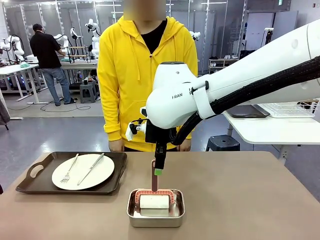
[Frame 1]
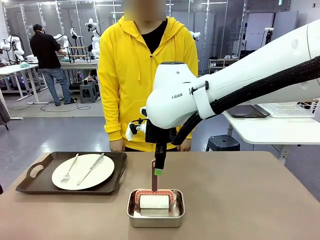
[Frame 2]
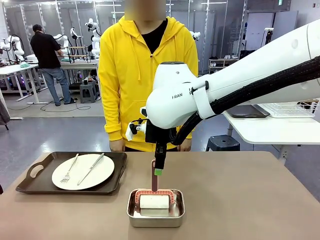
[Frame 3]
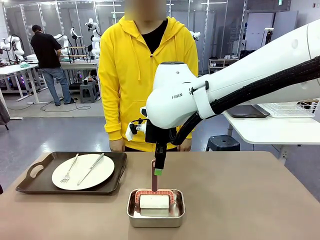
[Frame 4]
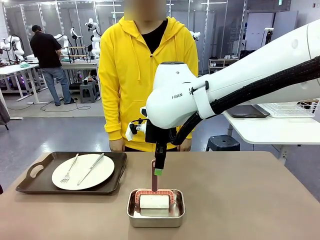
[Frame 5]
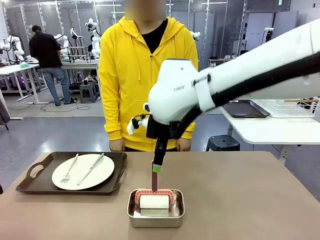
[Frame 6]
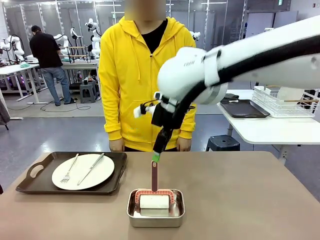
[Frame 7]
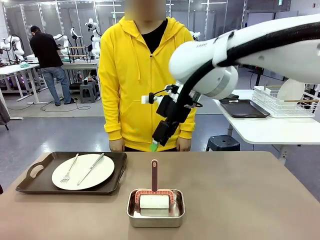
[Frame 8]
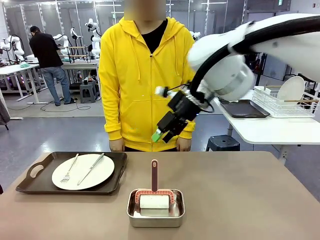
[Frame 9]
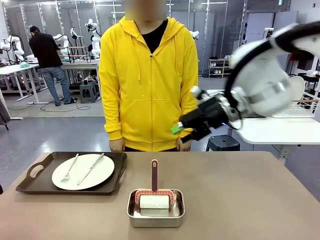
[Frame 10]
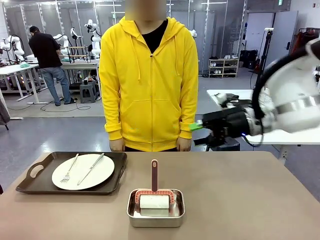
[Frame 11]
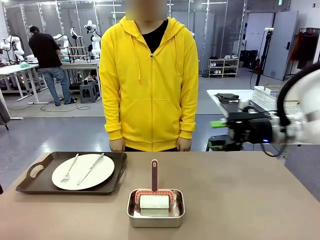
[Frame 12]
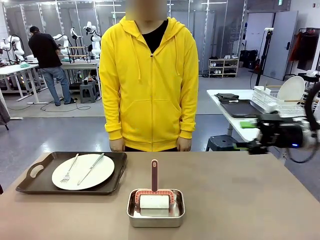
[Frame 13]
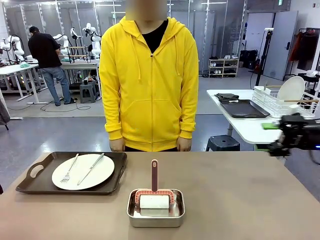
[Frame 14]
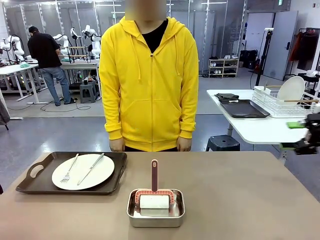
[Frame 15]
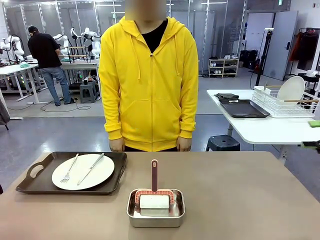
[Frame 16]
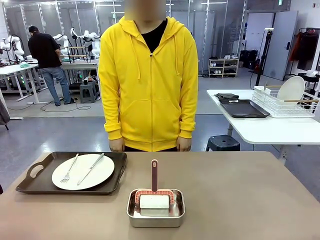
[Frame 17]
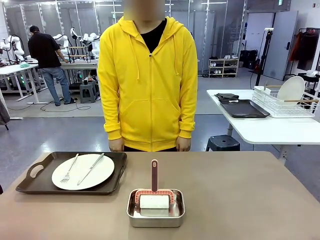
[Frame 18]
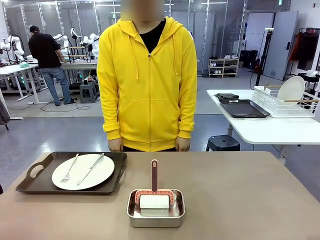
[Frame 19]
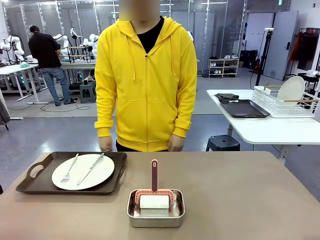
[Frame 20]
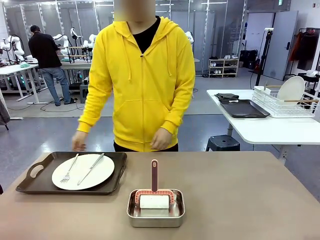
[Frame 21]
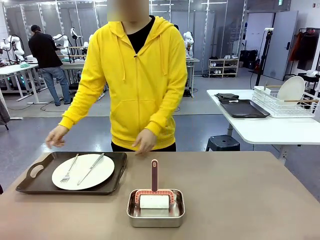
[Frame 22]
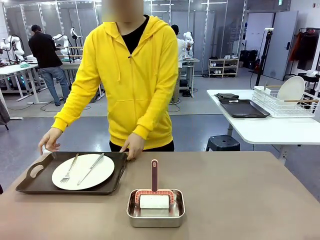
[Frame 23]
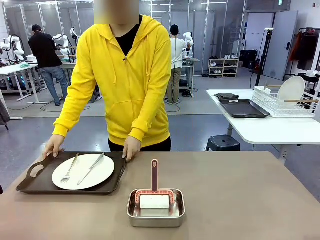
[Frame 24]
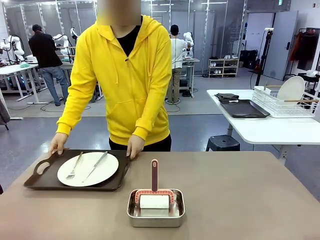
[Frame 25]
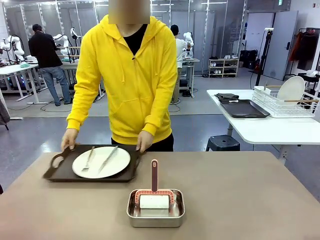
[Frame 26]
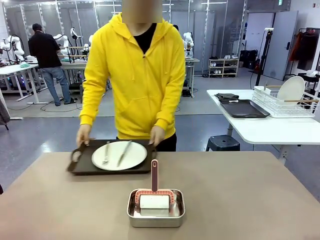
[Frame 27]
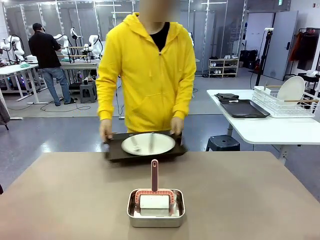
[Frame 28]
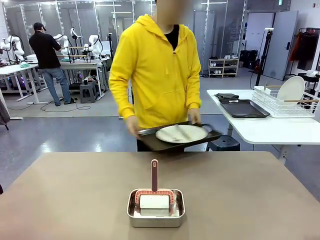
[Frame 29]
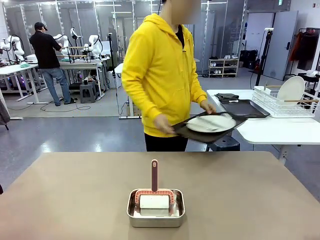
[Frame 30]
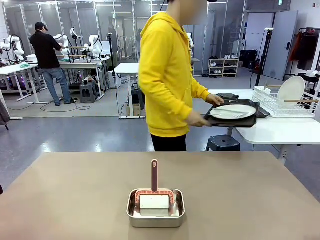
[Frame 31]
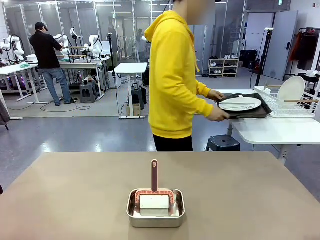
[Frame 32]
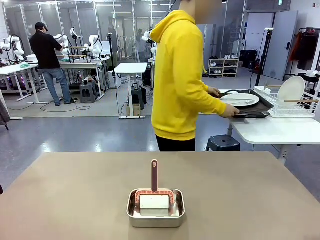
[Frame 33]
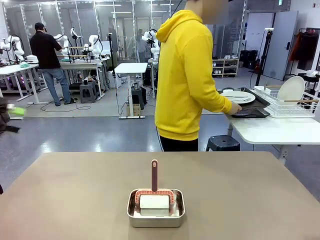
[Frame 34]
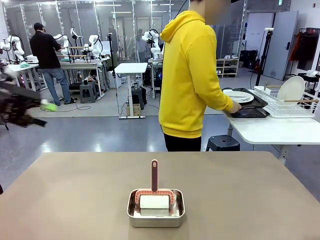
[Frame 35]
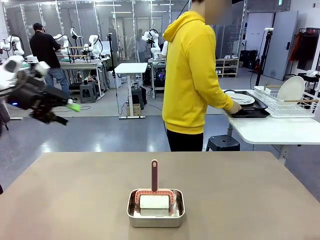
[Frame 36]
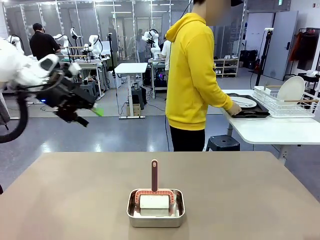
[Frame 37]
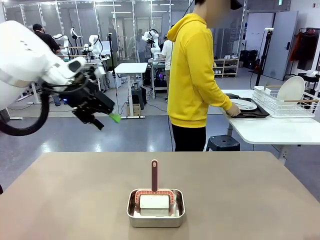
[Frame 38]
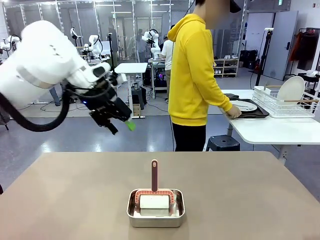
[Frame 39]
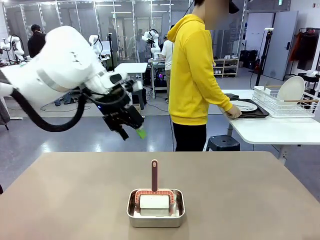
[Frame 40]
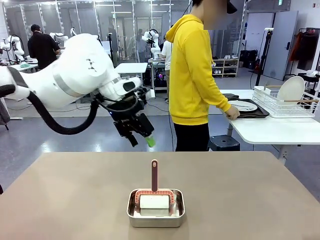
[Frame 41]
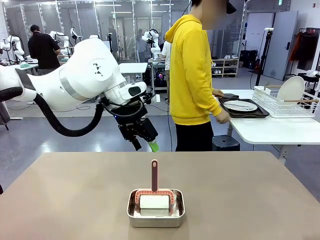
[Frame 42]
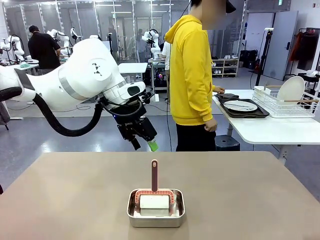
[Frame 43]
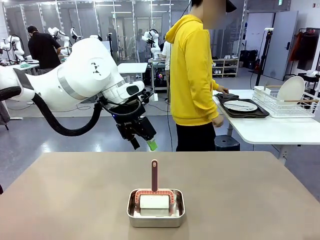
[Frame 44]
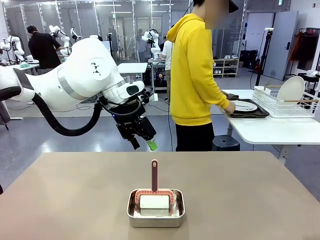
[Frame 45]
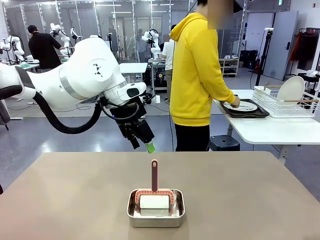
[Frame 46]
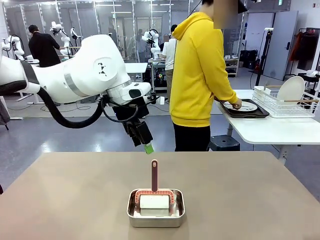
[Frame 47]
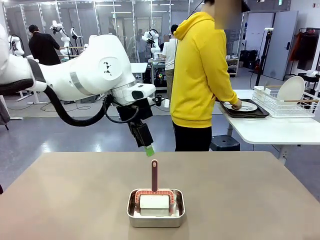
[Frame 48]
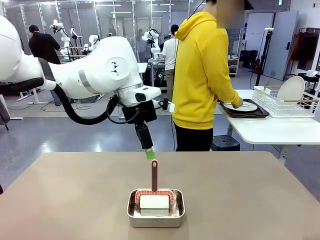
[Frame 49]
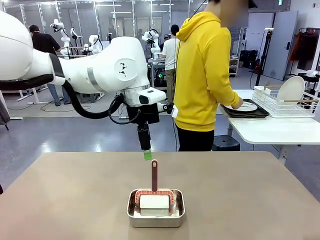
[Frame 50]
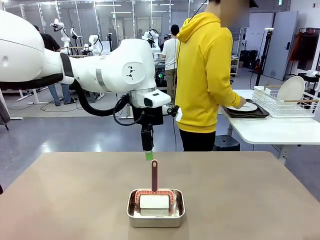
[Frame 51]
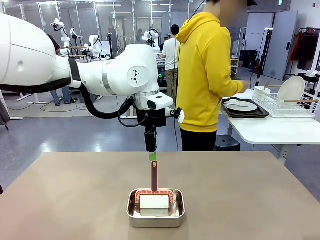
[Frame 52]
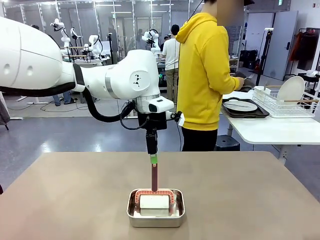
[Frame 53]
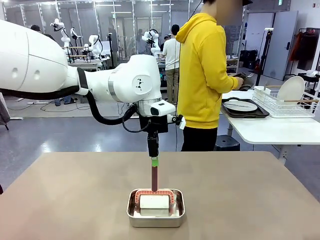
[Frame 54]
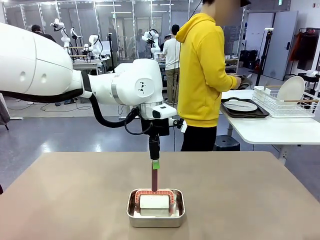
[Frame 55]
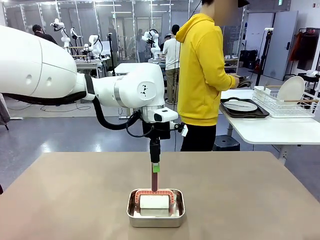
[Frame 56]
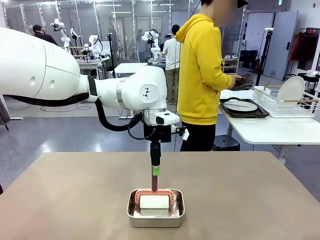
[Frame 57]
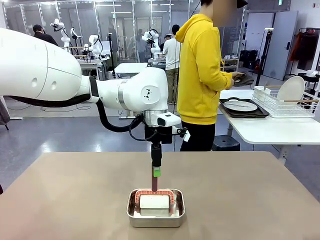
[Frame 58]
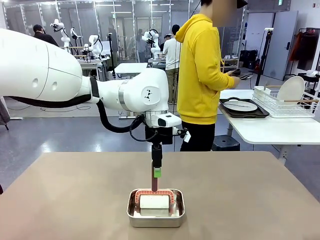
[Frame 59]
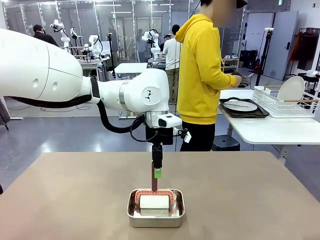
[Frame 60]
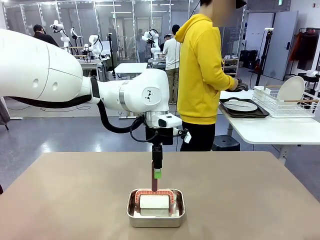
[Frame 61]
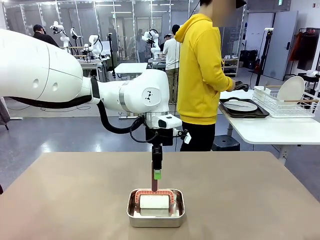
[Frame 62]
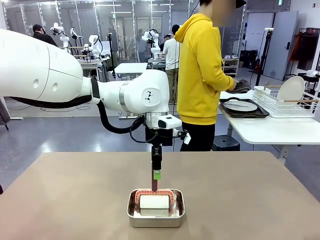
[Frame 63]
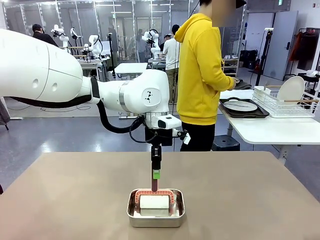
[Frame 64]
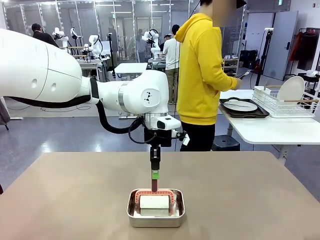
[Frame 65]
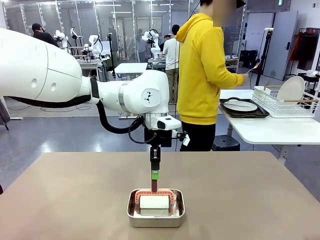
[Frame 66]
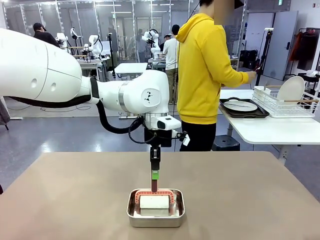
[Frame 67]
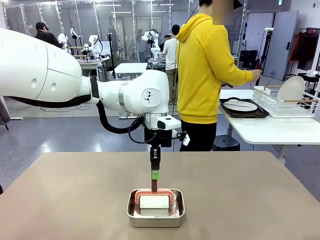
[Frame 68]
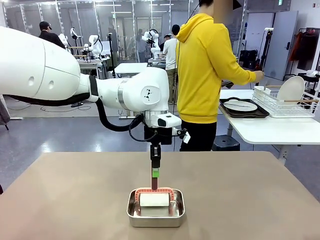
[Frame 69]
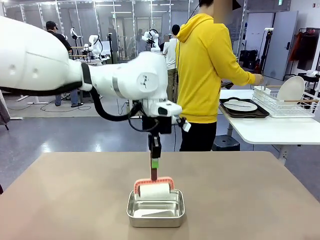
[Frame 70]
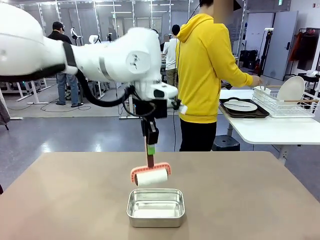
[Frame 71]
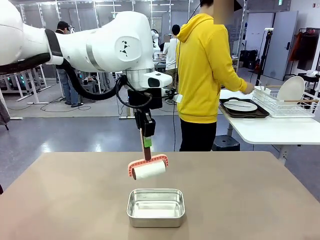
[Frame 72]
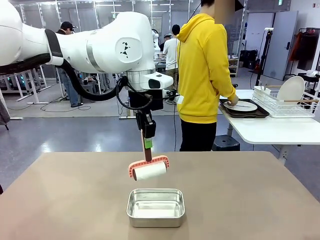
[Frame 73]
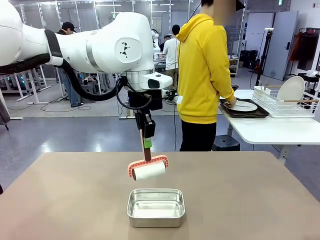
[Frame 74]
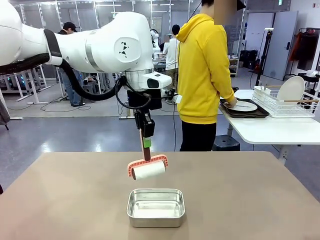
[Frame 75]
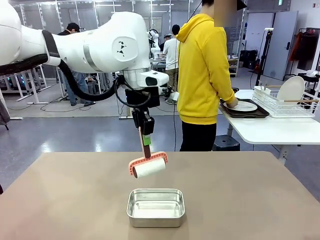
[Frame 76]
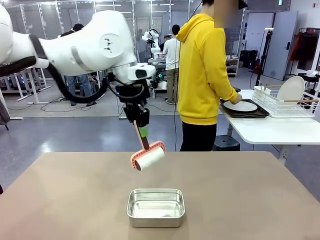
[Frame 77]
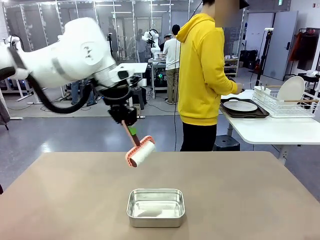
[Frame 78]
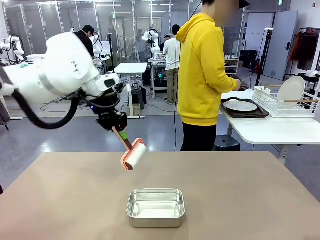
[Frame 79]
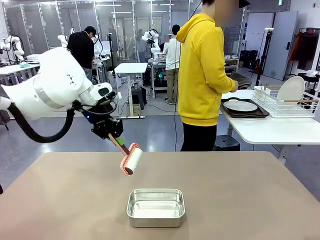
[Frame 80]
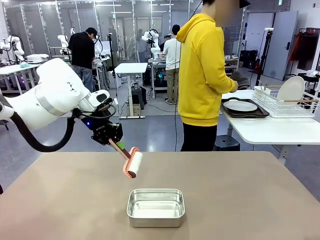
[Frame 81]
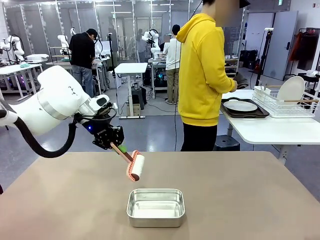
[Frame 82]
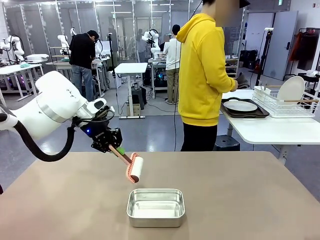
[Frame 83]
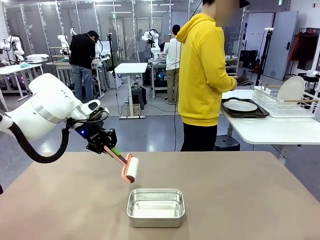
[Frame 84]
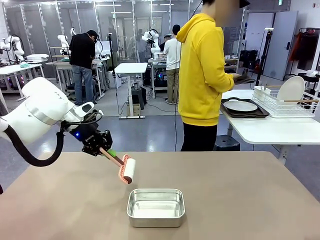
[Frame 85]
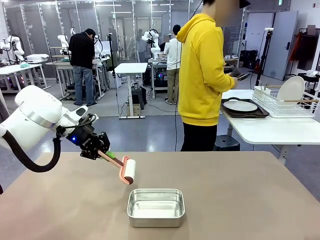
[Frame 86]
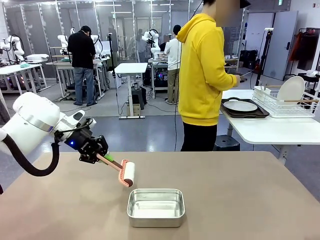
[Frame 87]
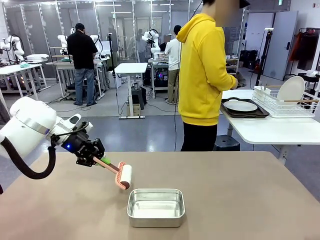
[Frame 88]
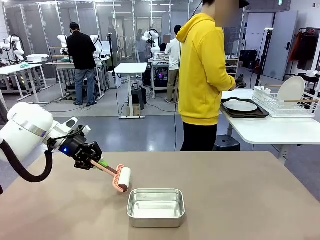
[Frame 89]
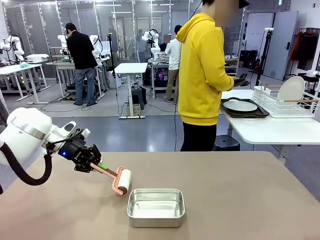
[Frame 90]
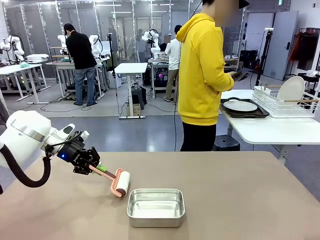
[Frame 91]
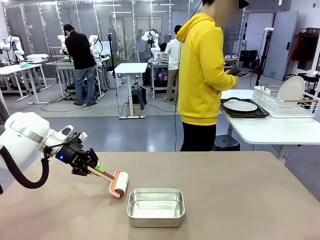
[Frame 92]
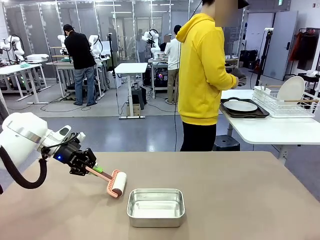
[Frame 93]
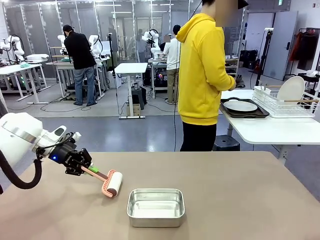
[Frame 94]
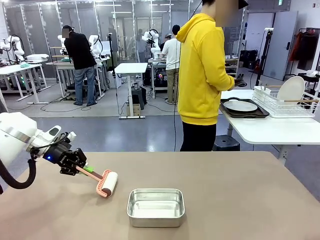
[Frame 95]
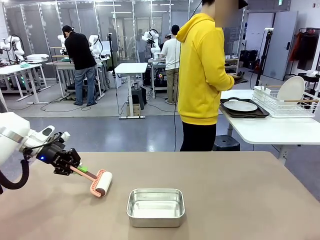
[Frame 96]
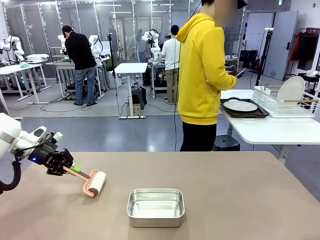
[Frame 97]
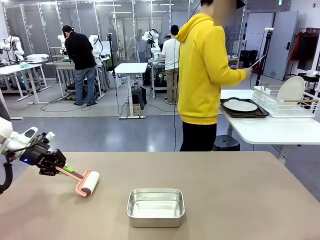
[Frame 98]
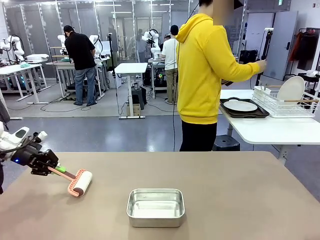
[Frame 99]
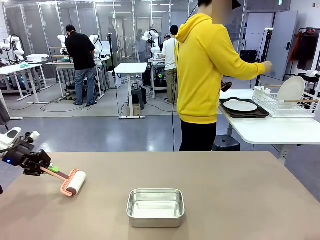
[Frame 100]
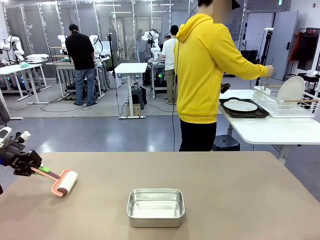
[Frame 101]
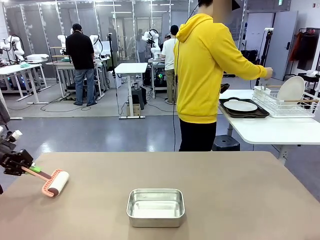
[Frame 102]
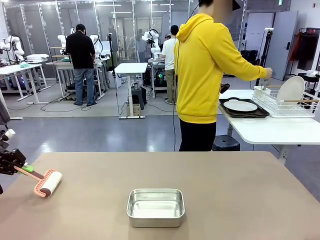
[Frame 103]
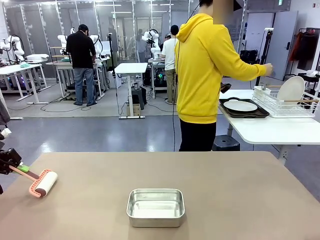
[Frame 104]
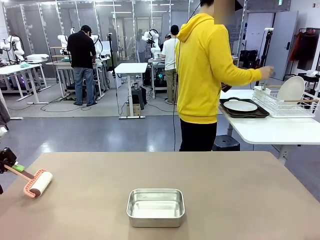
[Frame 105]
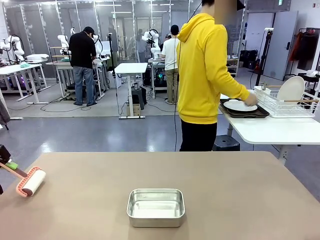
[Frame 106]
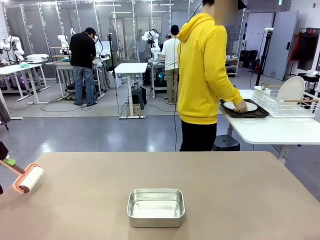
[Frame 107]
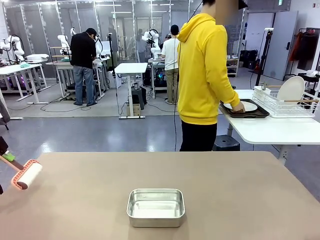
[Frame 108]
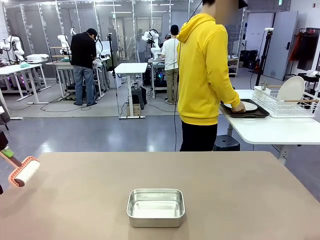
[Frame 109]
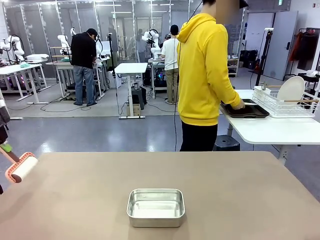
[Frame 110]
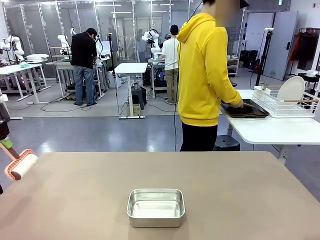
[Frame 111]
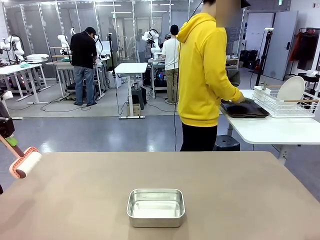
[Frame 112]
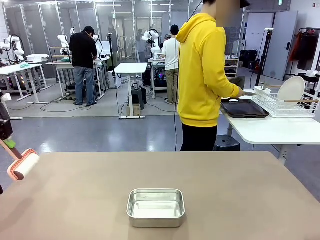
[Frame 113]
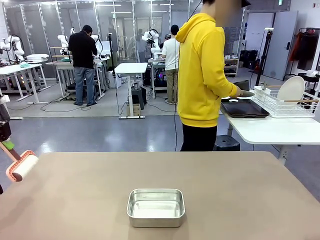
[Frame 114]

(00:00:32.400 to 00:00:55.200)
Robot: When the right (or left) Handle tray is removed, use the right hand (or left hand) to clean the right (or left) side of the table with the Lint Roller.
Person: Pick up the left (or right) Handle tray and place it on the Handle tray. Use the Towel with hook to wipe the Plastic Matte Plate , Fork , and Knife and place into the Dish drying rack.
